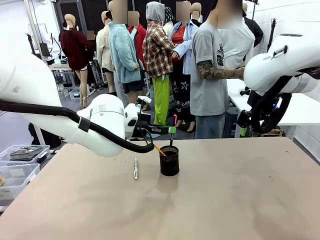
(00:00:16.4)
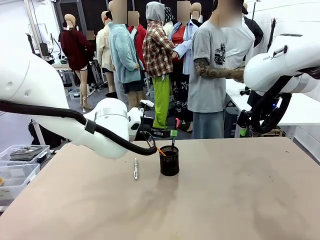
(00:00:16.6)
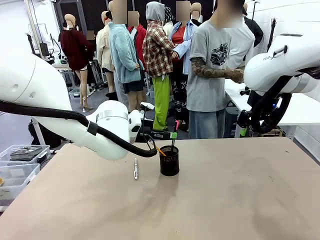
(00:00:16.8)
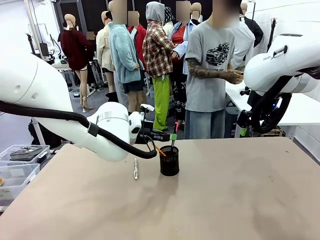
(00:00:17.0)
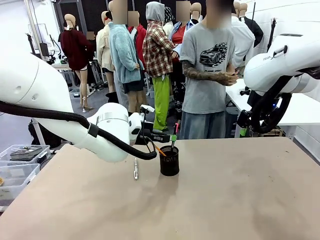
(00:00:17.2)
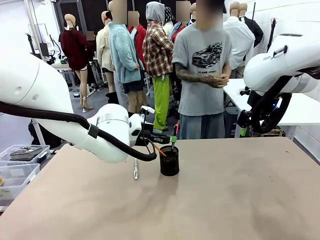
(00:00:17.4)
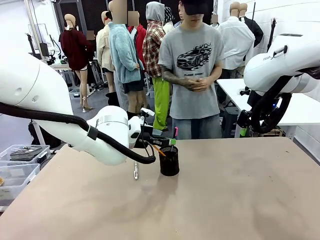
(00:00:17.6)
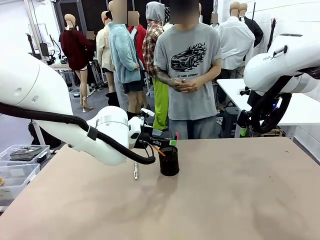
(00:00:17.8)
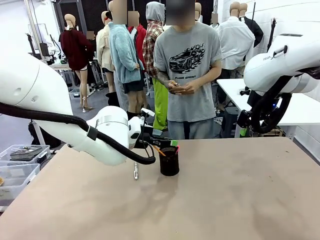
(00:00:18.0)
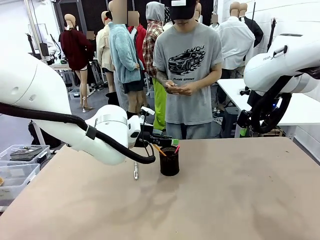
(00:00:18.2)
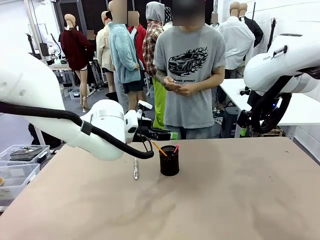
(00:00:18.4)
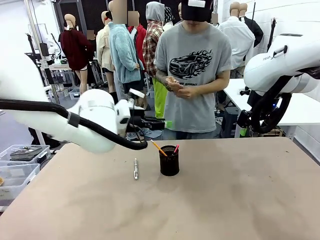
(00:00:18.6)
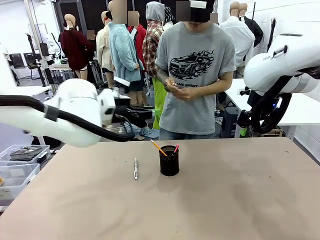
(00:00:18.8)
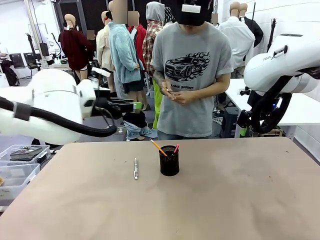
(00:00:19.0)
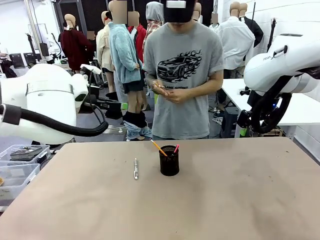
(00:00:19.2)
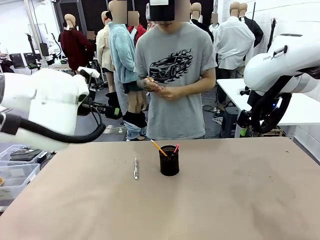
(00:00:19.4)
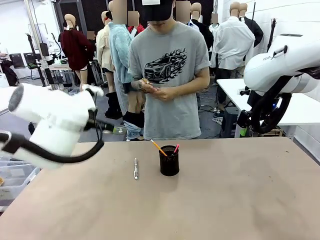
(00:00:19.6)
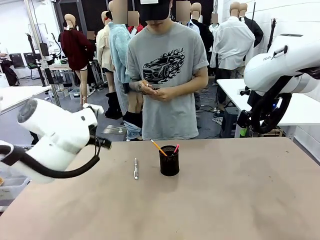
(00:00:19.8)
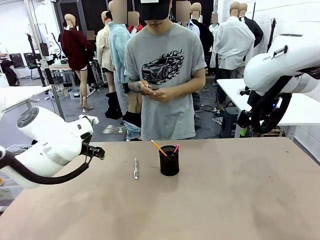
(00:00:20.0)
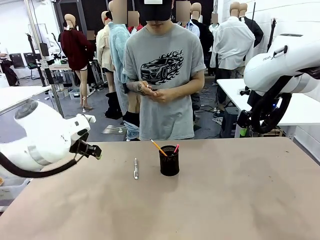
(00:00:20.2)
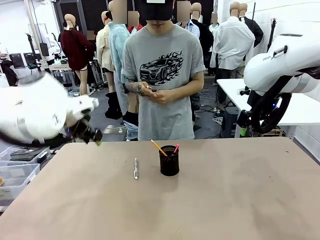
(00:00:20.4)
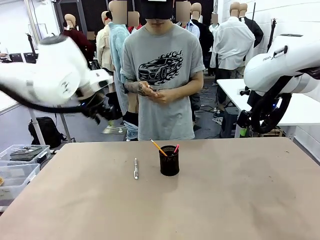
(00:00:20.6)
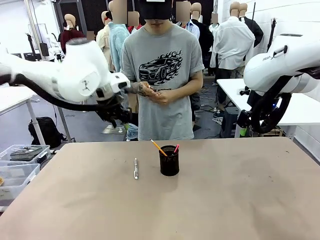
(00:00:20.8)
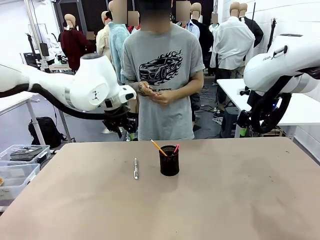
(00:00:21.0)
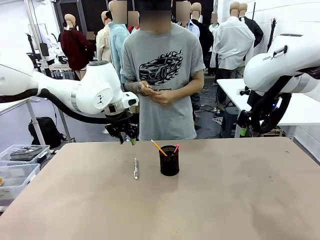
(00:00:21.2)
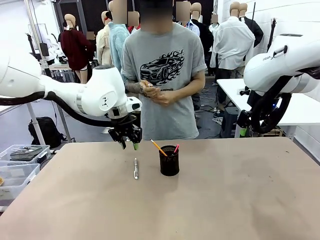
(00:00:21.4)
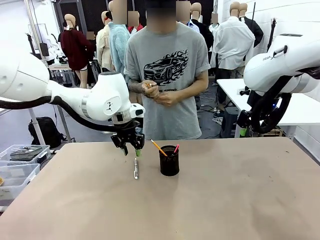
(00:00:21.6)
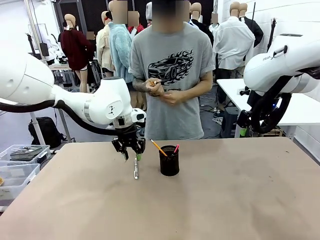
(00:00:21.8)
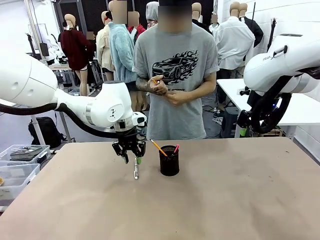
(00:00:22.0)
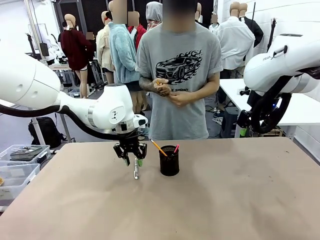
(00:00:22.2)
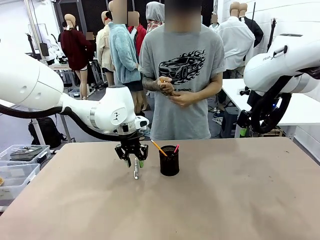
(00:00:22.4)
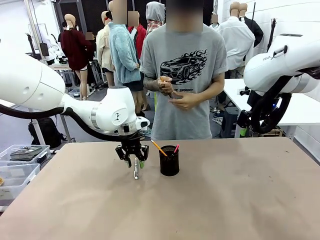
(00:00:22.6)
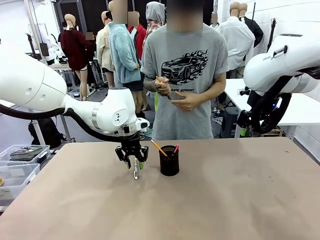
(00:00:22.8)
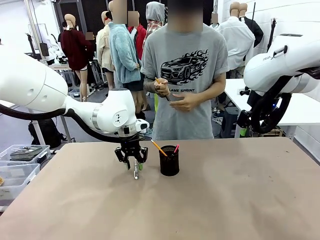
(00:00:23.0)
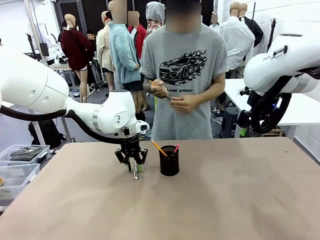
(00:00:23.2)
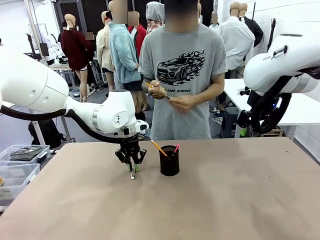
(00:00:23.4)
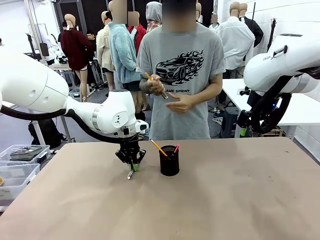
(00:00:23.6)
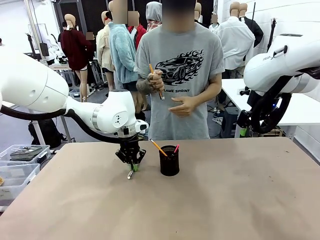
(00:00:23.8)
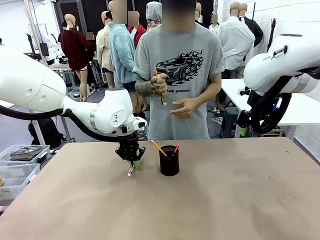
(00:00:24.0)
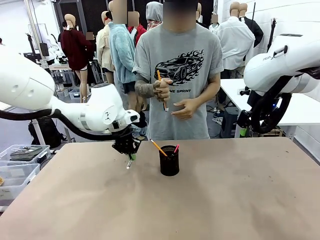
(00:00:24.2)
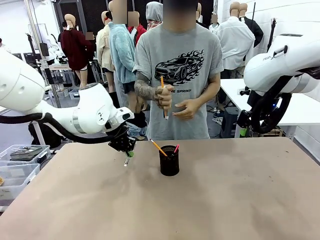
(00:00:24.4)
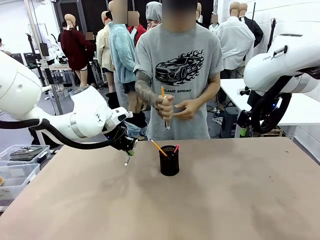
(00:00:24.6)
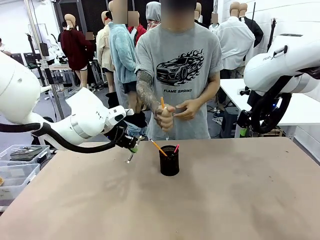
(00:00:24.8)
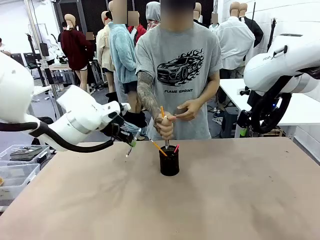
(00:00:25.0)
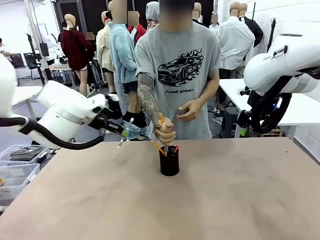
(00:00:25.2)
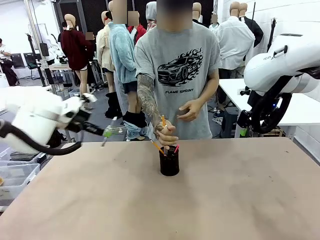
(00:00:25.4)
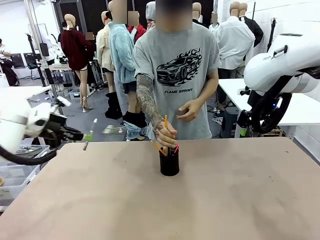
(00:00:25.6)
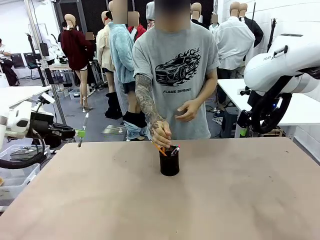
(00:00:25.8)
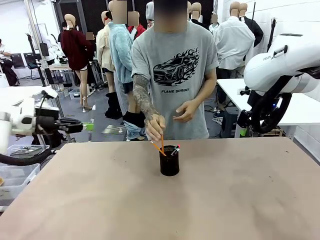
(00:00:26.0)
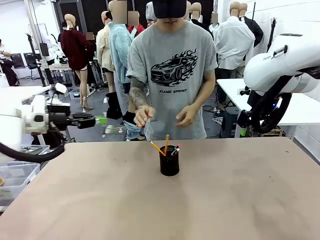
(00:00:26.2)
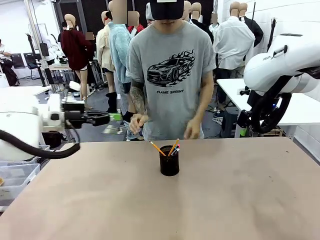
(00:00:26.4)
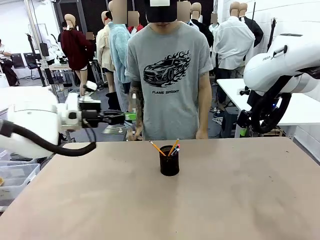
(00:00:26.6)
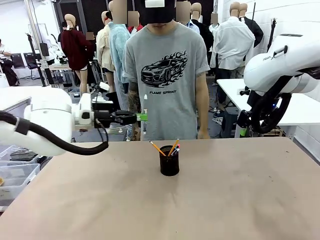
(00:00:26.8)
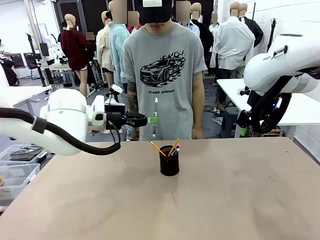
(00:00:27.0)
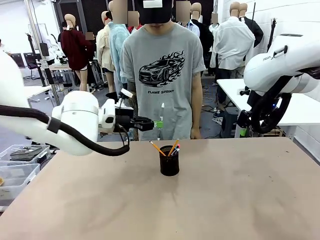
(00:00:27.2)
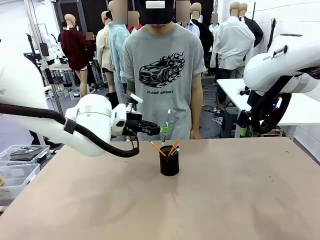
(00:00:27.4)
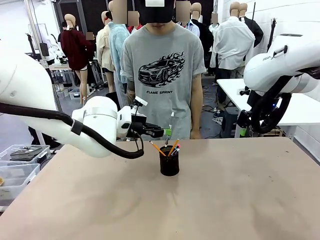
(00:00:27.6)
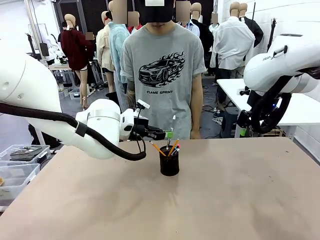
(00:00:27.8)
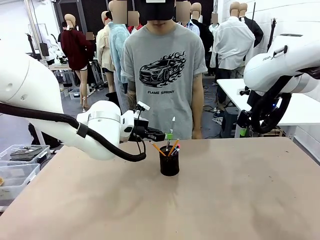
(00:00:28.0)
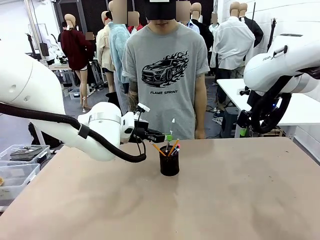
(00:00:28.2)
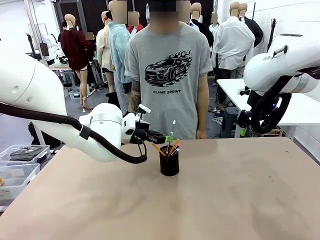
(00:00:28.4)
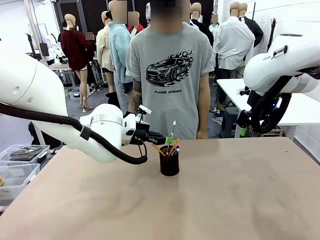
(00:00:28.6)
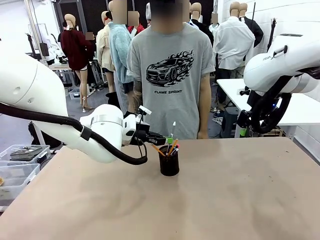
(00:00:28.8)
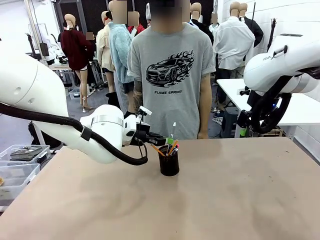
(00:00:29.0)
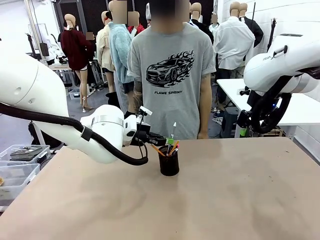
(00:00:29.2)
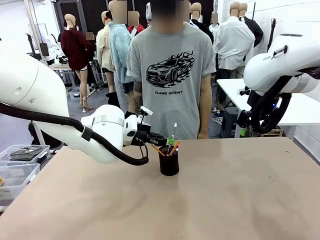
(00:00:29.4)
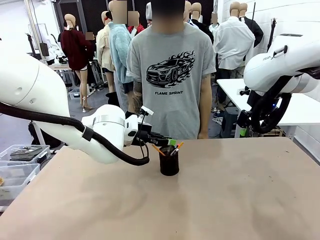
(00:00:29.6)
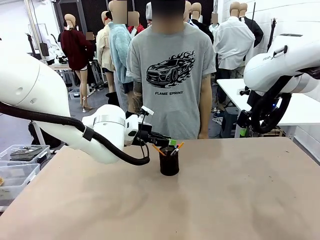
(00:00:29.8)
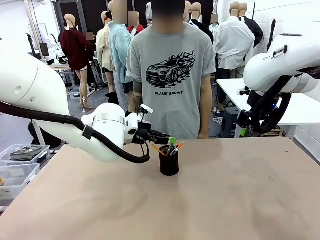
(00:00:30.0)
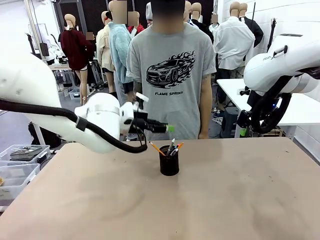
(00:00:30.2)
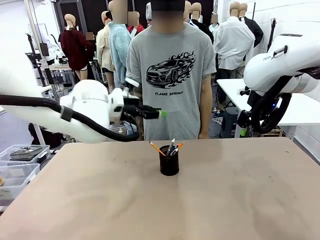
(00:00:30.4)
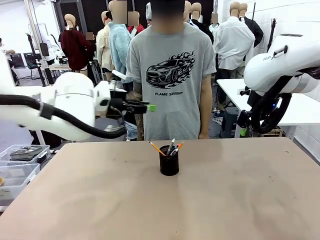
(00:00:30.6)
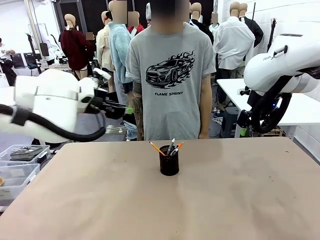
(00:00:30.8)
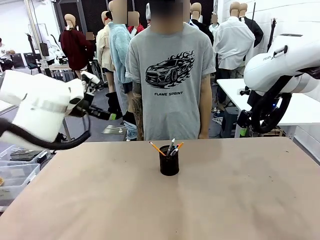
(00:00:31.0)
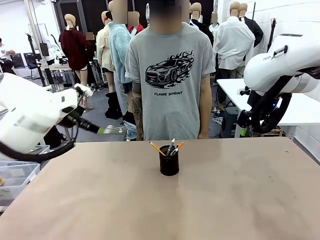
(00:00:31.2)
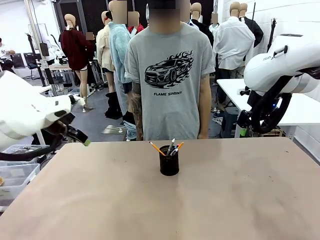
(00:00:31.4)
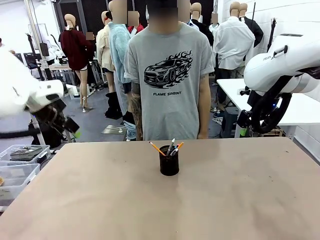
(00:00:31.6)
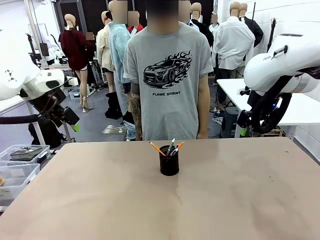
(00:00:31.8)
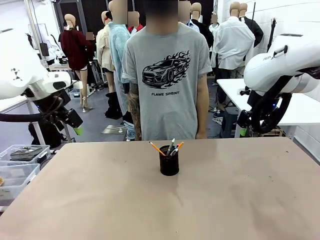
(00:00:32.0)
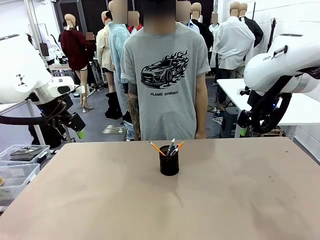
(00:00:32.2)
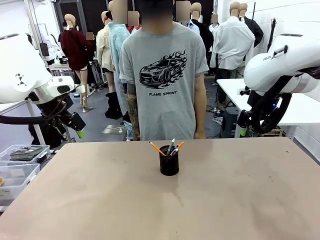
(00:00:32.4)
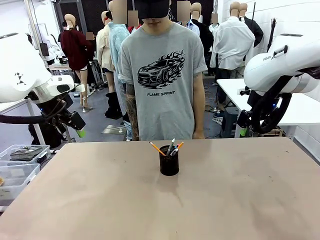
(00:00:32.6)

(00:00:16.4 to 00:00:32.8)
Task: Place the pens into the pen holder.
Robot: Pick up a writing instrument from the table and place it into the Pen holder.
Person: Place all writing instrument into the Pen holder.
